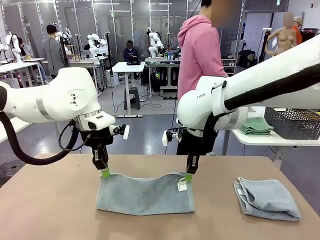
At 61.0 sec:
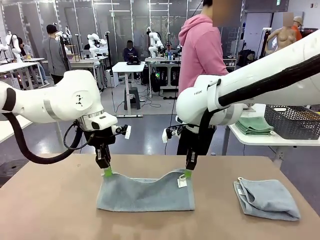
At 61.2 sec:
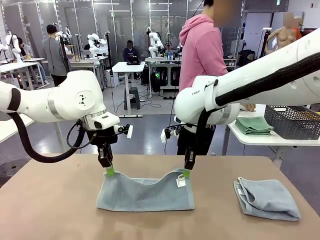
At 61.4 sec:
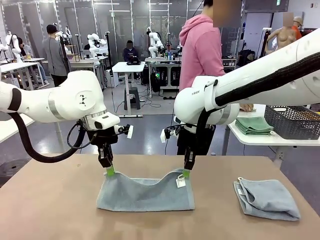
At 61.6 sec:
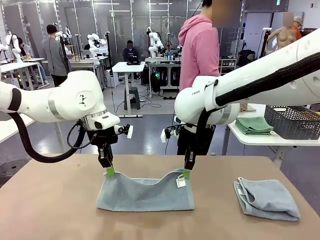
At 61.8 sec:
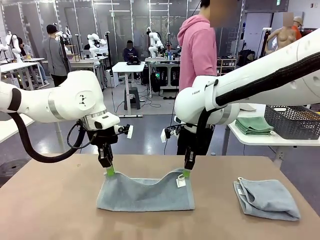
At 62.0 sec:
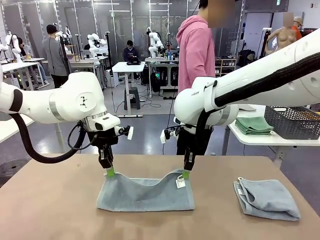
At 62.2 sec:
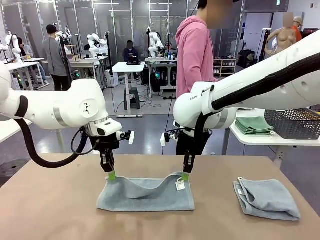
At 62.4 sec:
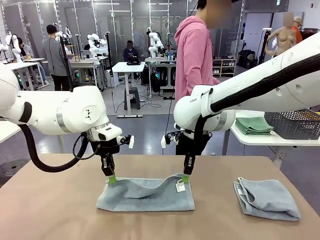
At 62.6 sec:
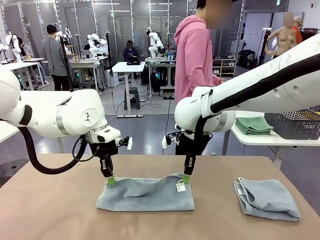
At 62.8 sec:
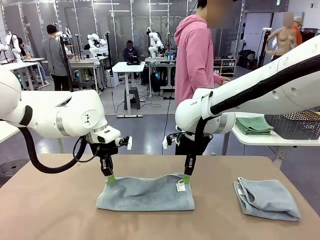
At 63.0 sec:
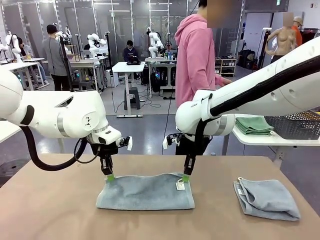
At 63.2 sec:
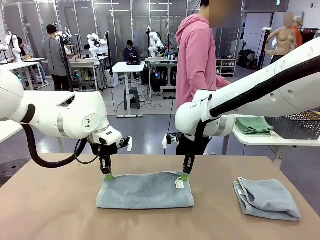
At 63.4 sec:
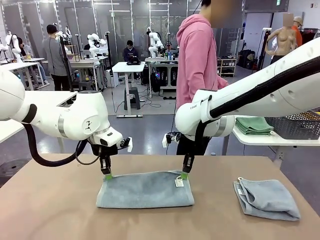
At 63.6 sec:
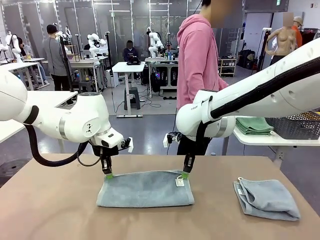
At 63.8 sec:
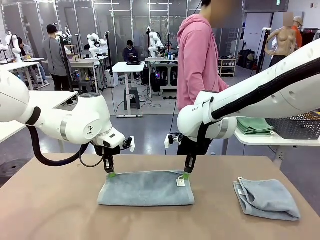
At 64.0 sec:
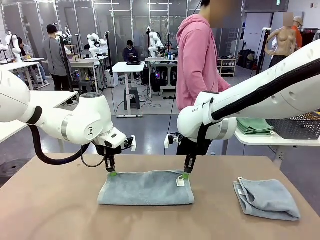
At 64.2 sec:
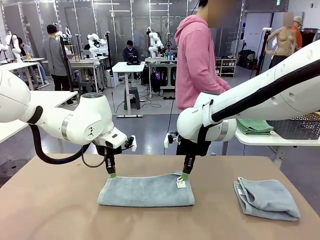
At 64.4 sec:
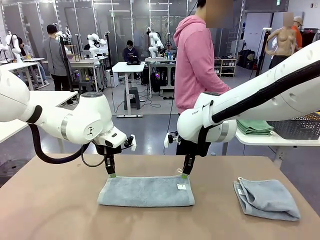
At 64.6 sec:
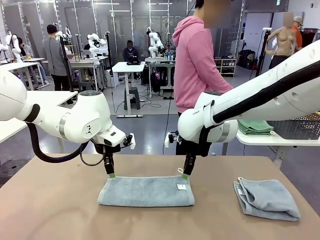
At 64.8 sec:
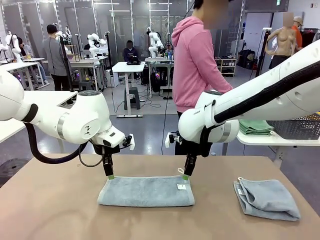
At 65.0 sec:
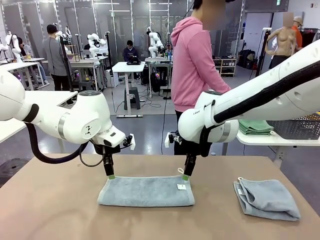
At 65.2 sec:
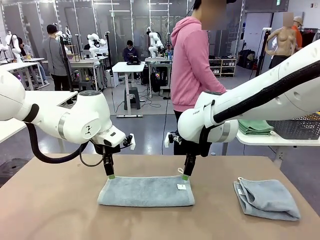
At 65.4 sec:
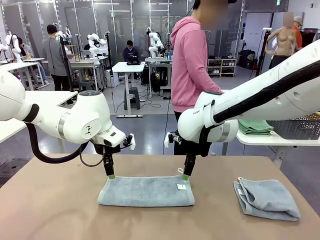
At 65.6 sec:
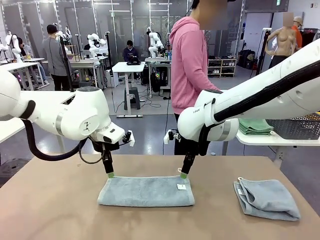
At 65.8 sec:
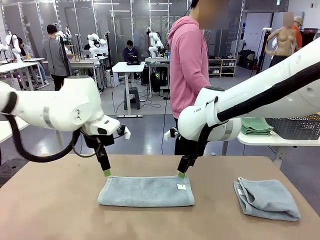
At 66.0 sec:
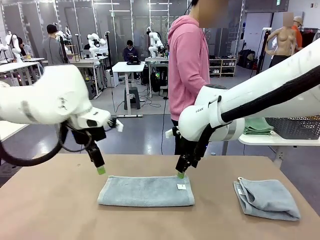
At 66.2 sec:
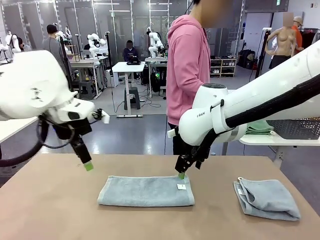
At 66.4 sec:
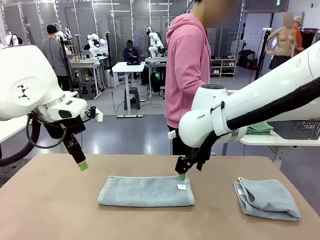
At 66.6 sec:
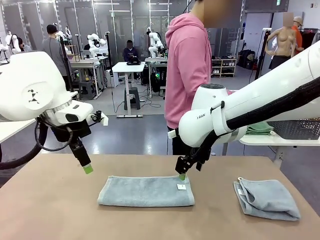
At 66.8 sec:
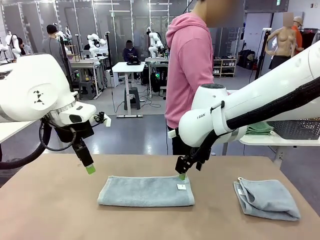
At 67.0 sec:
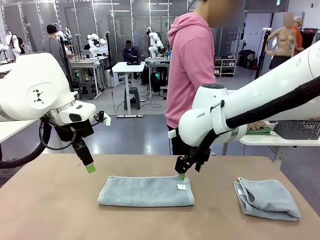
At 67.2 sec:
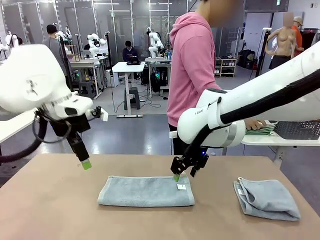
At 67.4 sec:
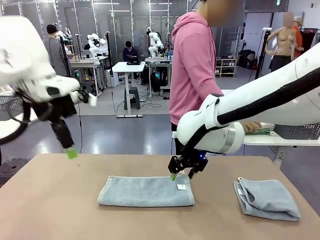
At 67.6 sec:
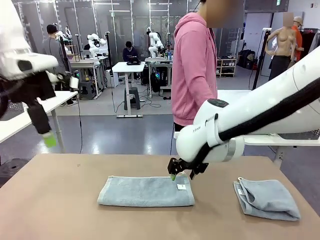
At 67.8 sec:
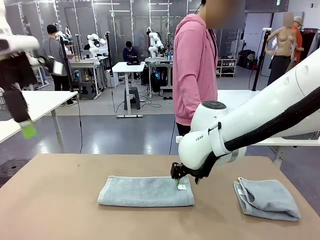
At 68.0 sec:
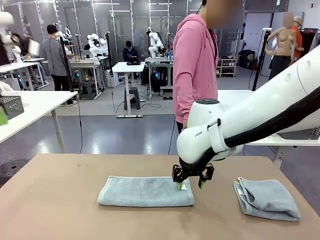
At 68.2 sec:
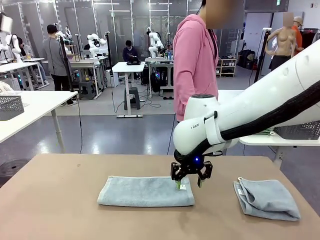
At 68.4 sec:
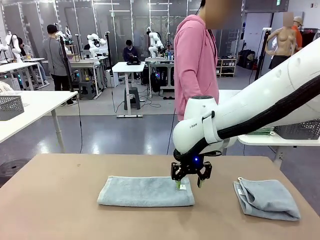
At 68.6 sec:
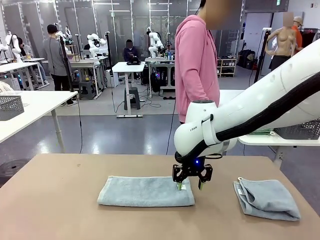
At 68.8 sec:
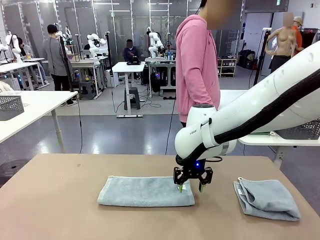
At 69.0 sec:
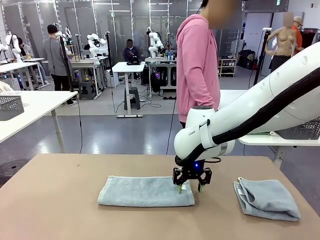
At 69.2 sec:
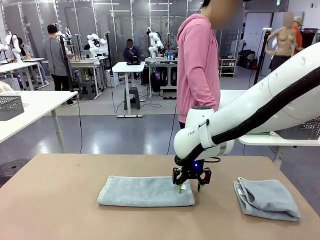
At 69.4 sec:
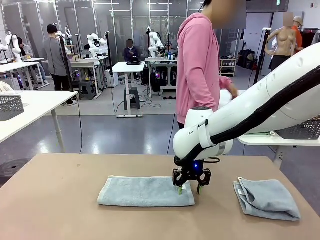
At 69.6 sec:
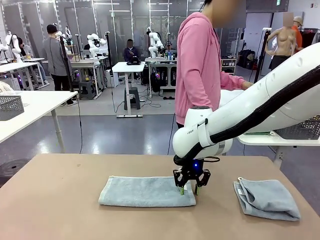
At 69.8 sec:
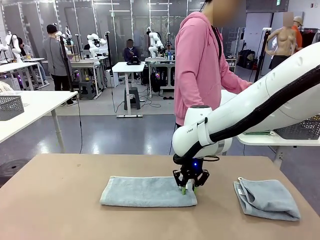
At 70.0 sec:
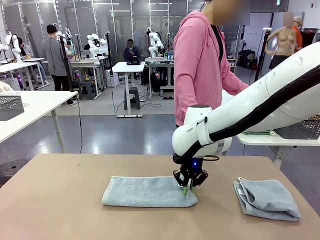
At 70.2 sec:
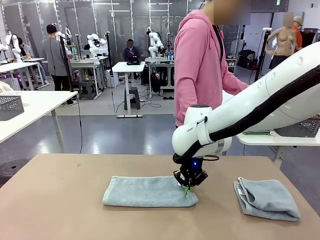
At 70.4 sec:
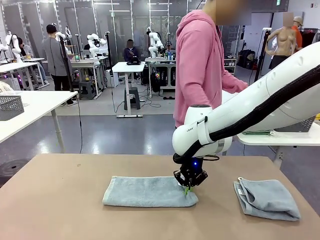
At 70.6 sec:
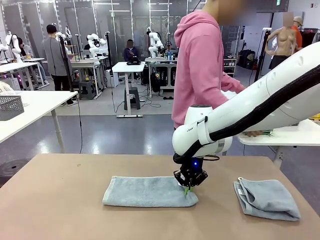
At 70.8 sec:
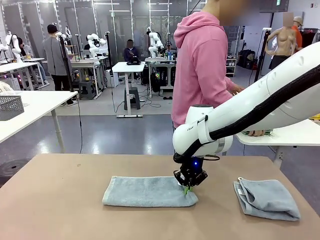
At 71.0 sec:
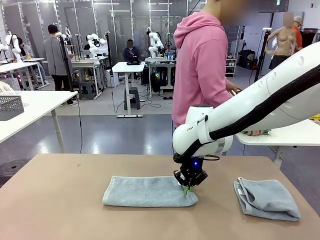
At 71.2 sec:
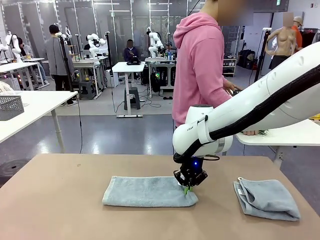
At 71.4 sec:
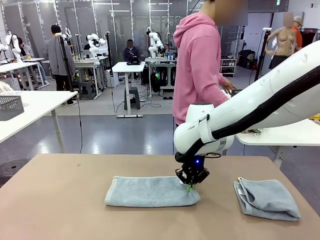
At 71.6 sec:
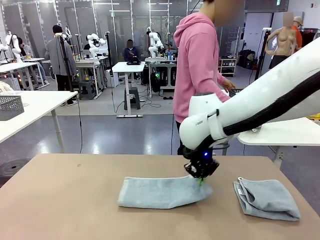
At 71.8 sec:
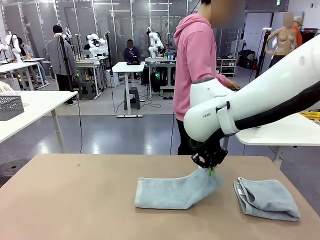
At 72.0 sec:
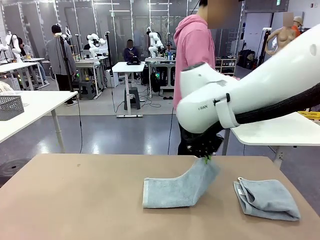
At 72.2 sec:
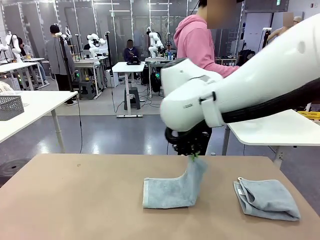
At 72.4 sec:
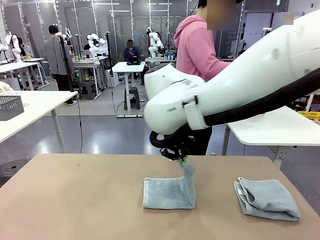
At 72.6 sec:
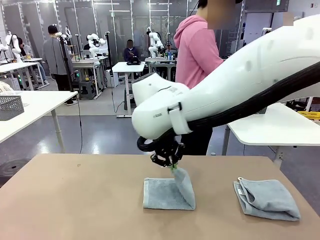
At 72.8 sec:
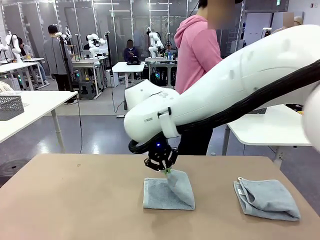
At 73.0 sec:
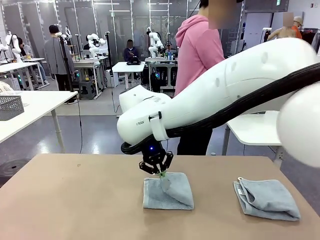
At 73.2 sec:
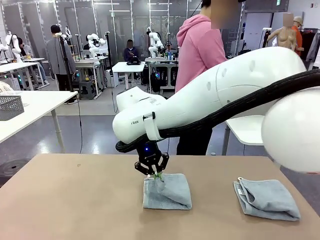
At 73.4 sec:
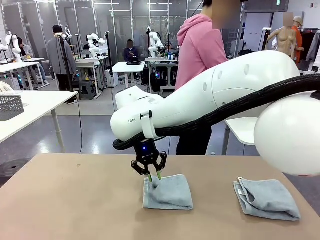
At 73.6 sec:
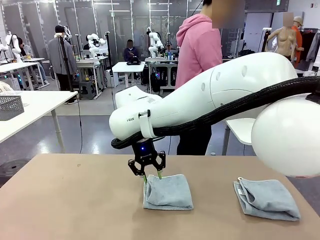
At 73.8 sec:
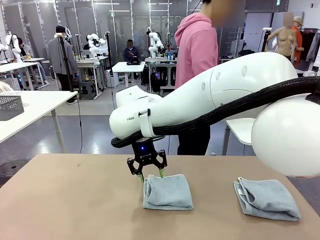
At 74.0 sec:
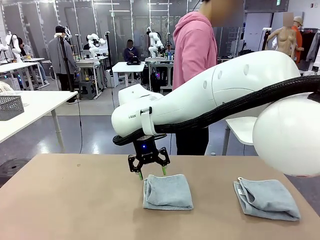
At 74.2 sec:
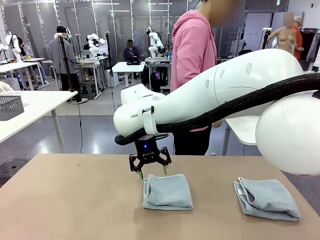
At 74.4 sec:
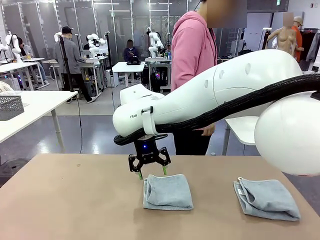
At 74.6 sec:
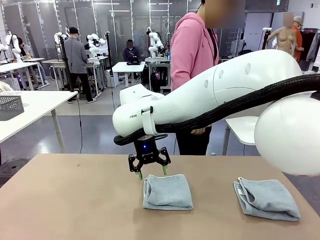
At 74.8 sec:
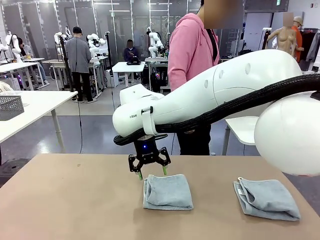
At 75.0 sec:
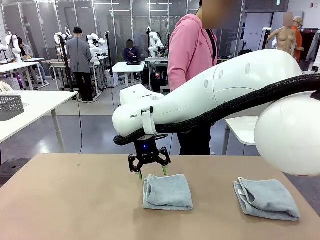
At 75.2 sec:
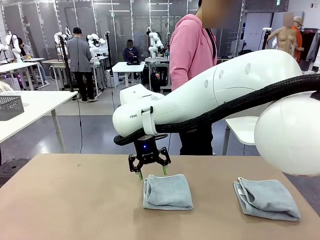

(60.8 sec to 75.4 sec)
Task: Fold the towels and place them in the basket.
Robot: When a person lays out a Towel with hook on the table, fold it in half twice.
Person: Pick up the stack of towels from the right side of the human table, place it into the basket, and put the basket at the center of the table.
